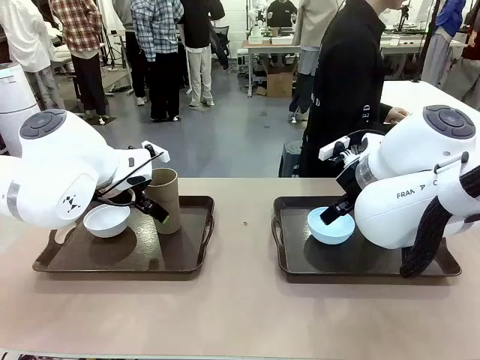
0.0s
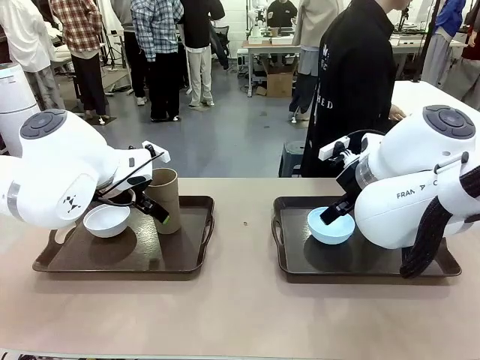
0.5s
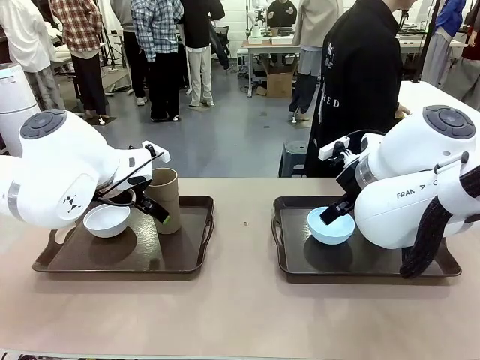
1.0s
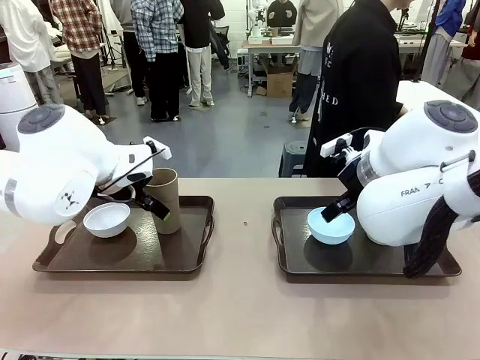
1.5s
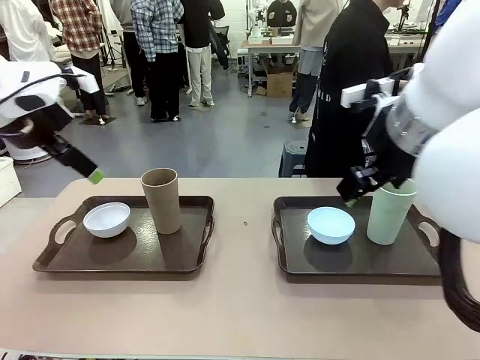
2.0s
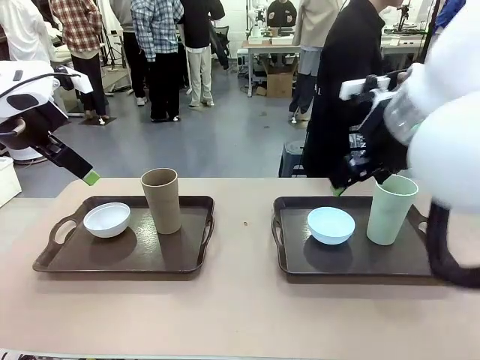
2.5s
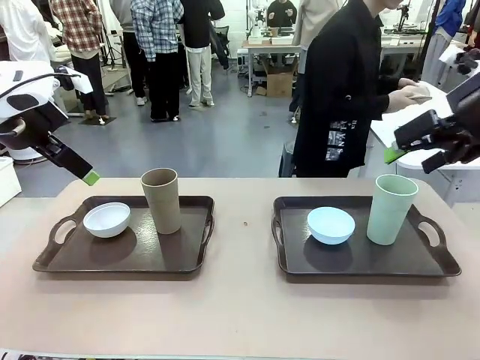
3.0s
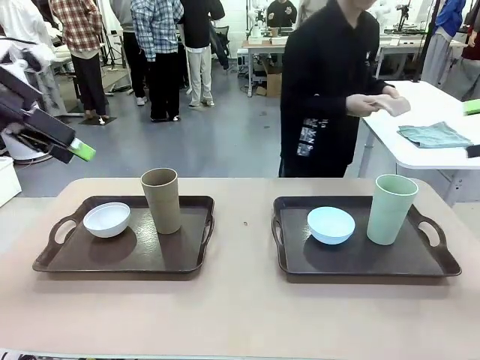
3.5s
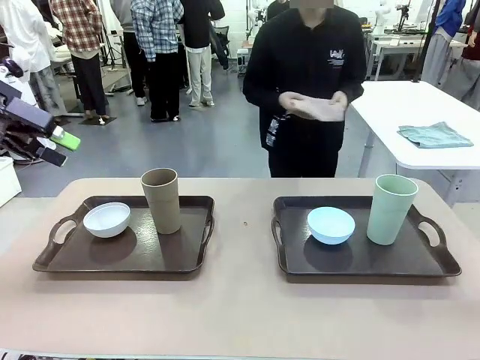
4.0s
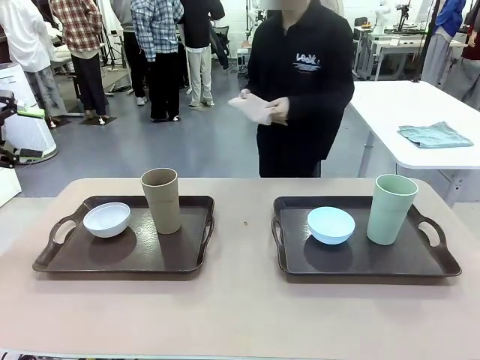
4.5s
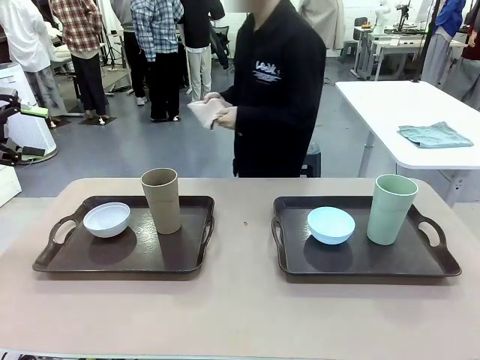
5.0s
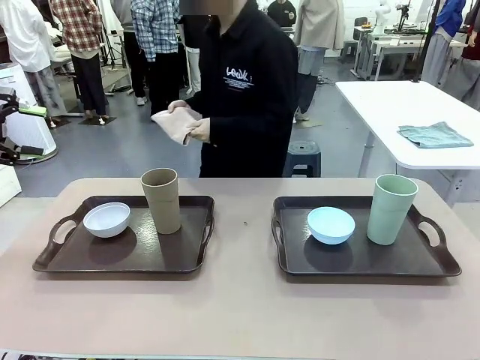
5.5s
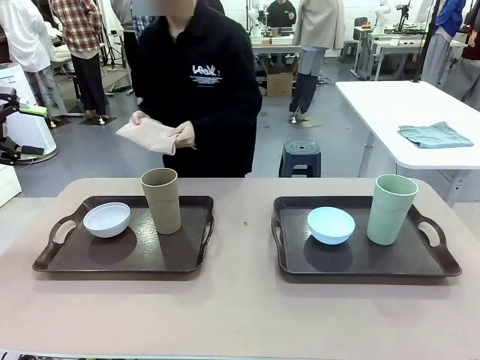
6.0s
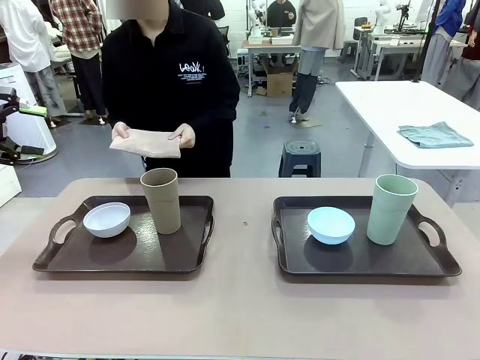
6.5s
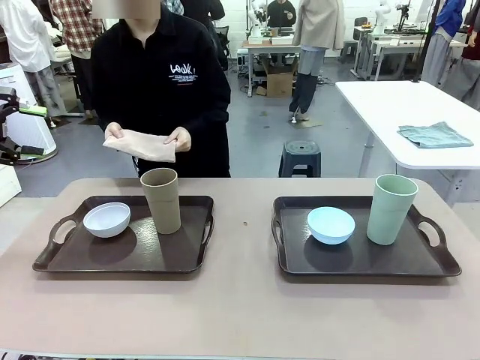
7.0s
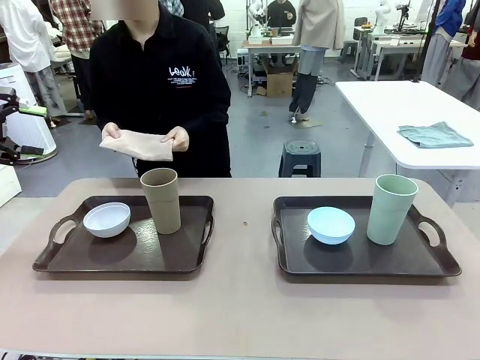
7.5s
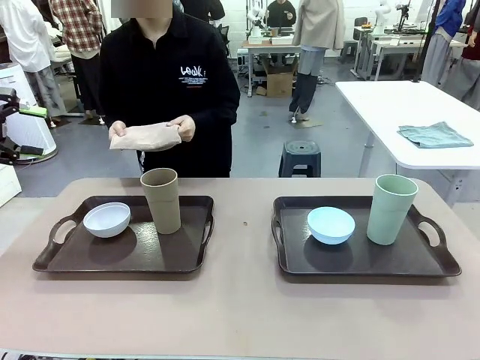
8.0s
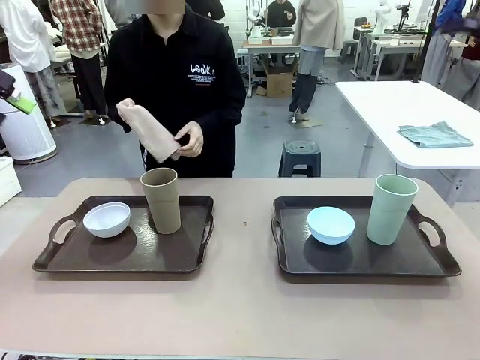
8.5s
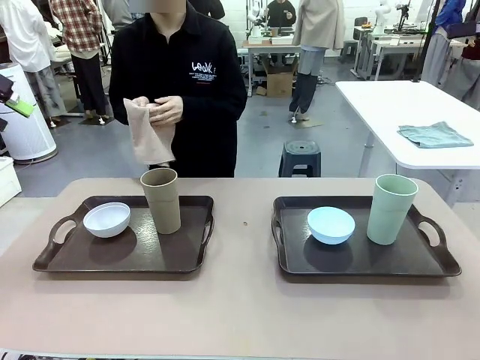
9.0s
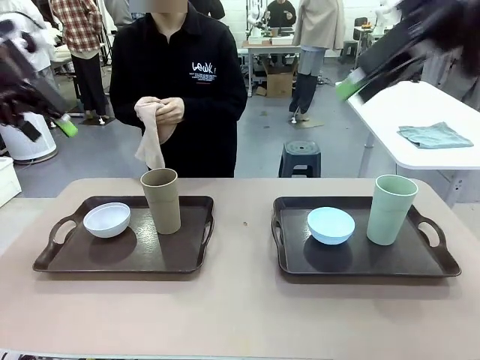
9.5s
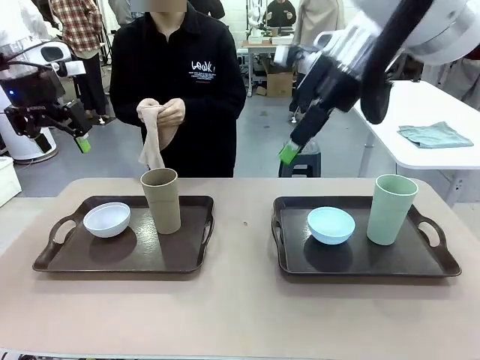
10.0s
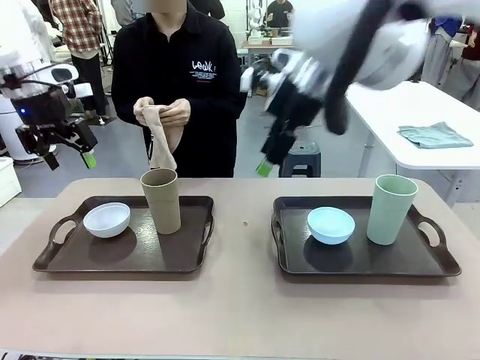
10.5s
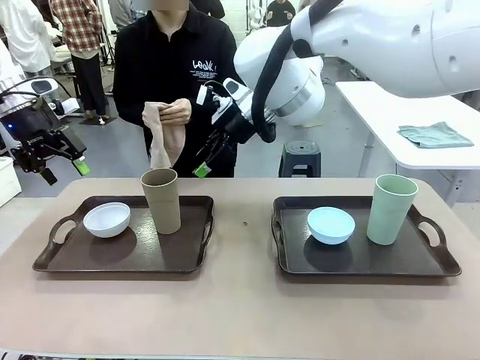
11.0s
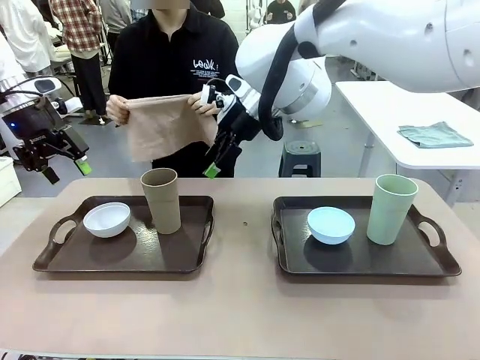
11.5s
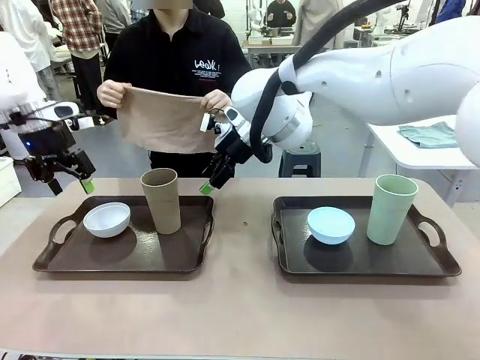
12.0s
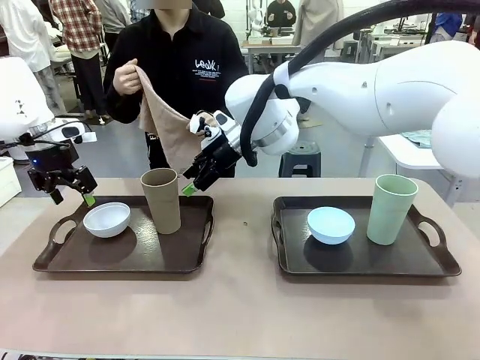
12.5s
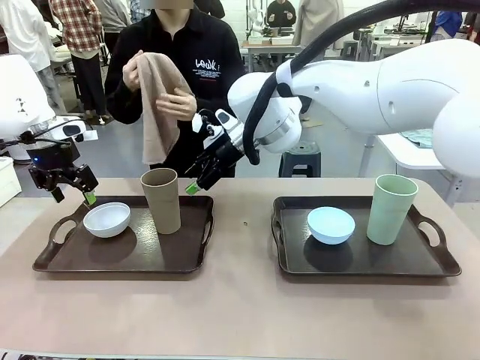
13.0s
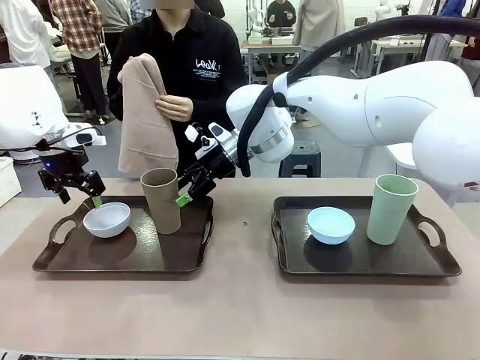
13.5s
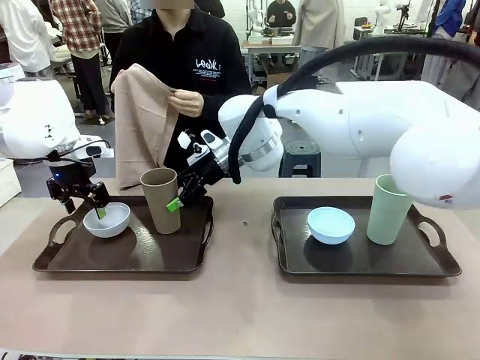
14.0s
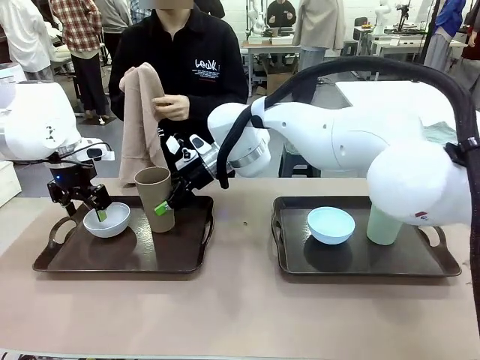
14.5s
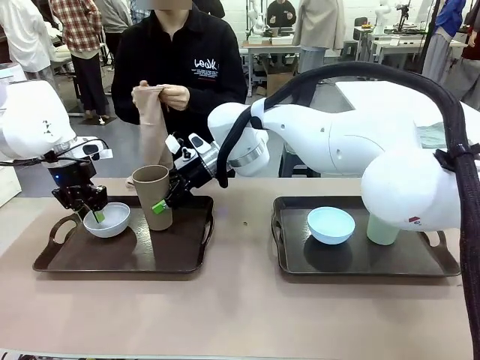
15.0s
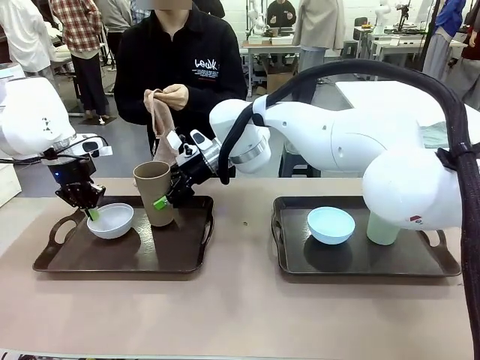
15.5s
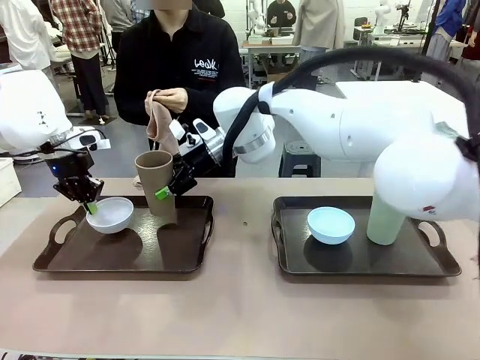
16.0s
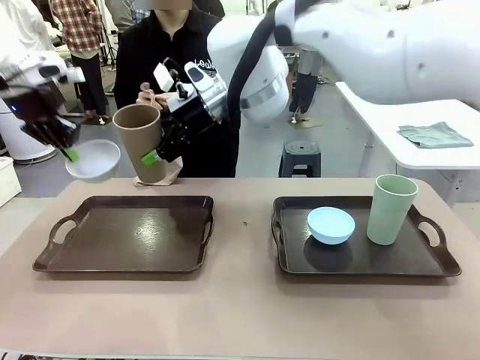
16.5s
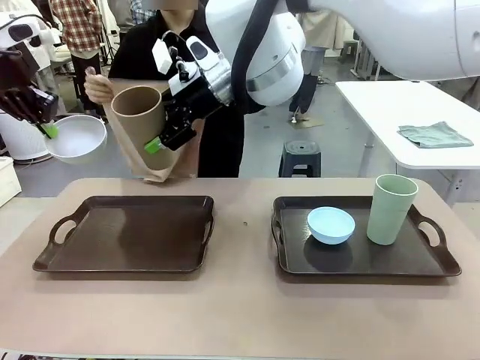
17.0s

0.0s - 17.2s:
Robot: Pick up the Picnic Bowl and Reusable plastic cup from the Handle tray in front of the human's position and hold them in the air.
Person: The human picks up the top napkin from the stack on the human table and walks to the robot table to stand in front of one of the two trays. When the robot lifts the bowl and the cup, the human unfolds the napkin and lays the napkin flat on the tray.

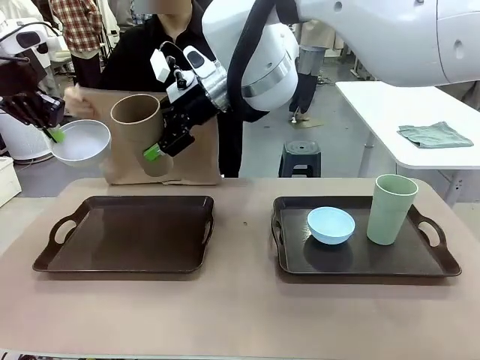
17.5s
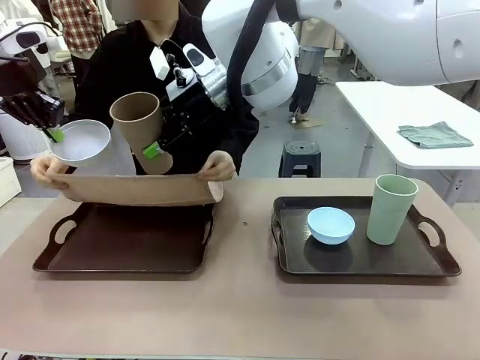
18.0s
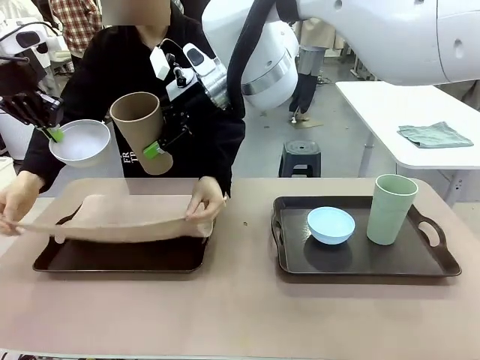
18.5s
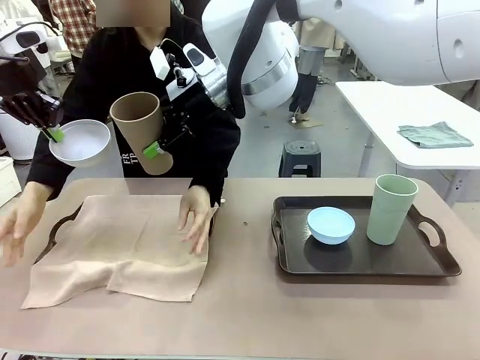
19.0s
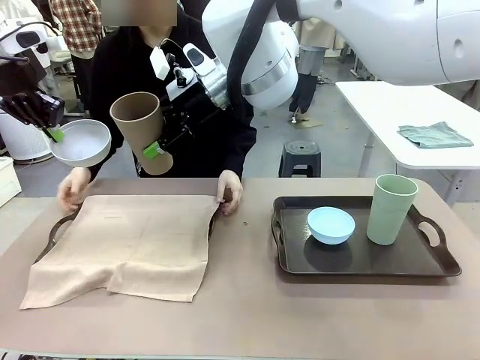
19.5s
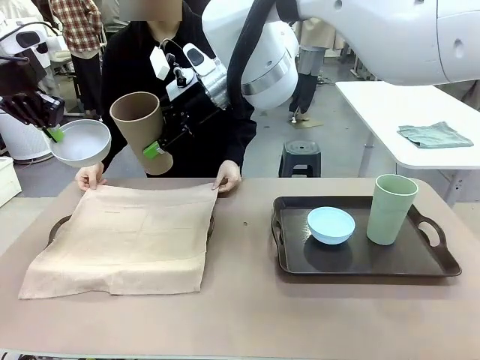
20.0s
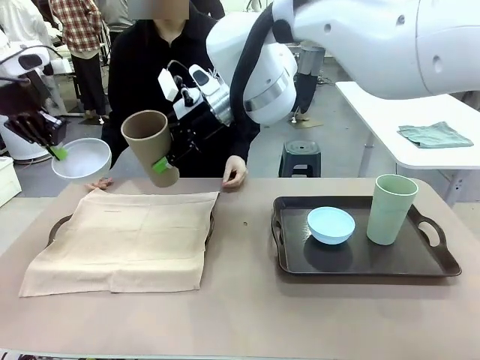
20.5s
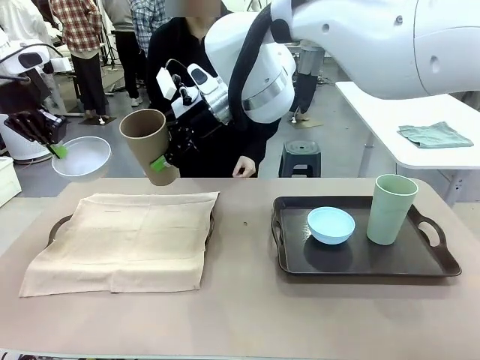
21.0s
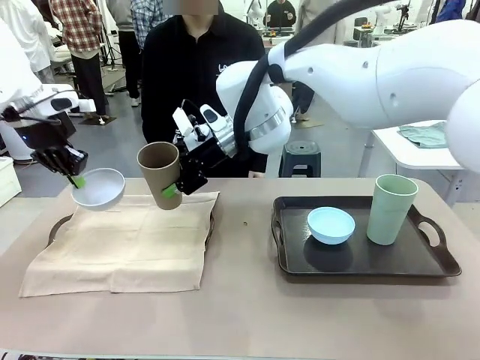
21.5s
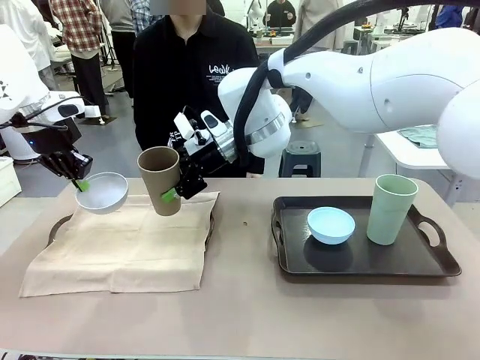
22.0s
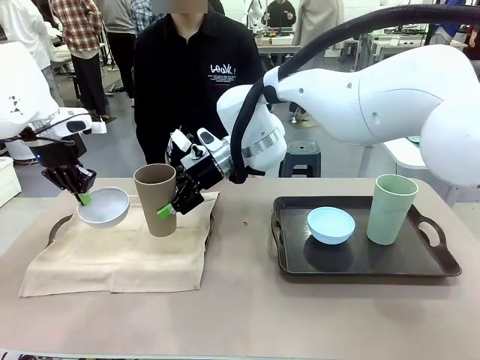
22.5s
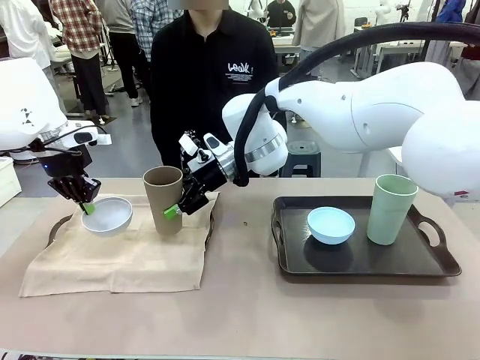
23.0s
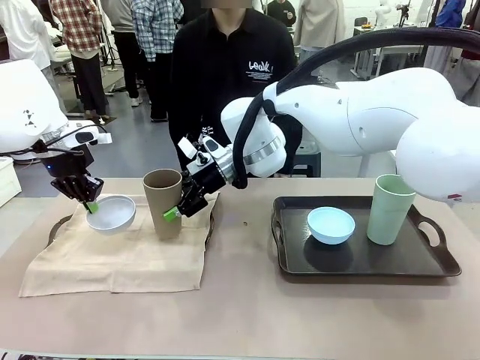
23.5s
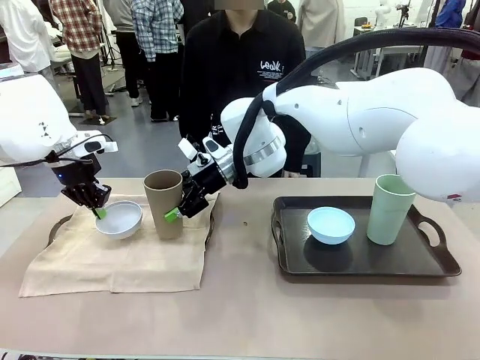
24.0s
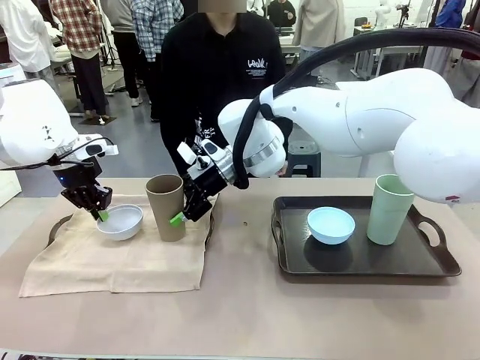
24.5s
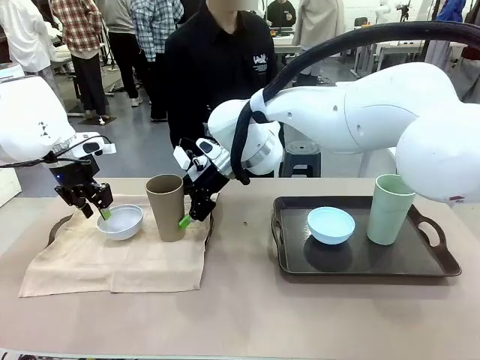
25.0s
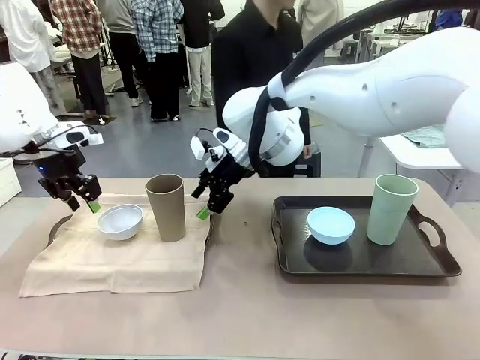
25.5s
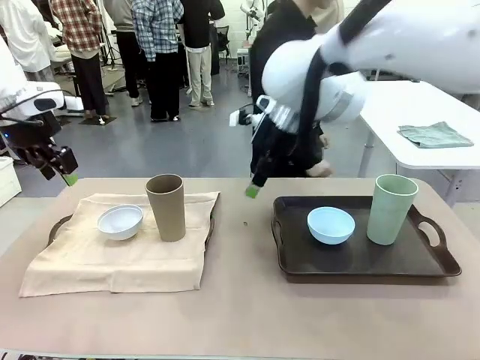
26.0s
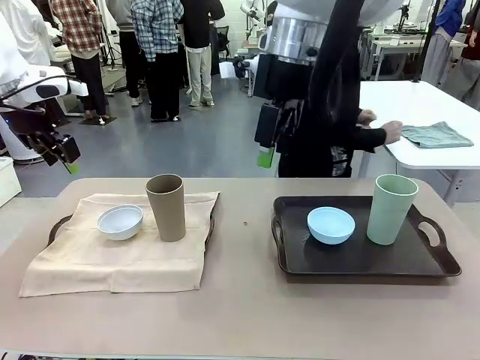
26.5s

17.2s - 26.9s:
Robot: Place the Picnic Bowl and Reusable plastic cup back onto the Handle tray in front of the human's position.
